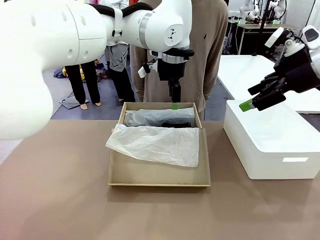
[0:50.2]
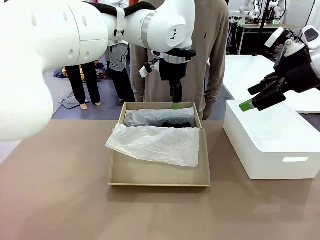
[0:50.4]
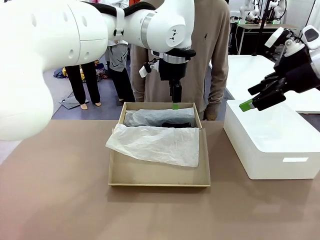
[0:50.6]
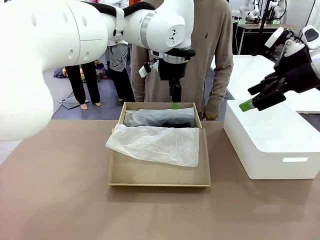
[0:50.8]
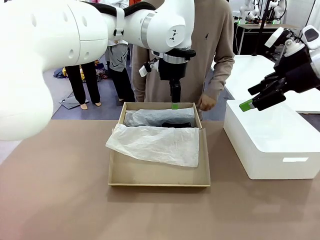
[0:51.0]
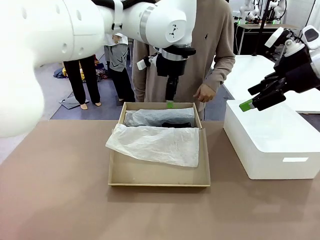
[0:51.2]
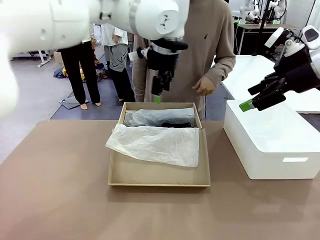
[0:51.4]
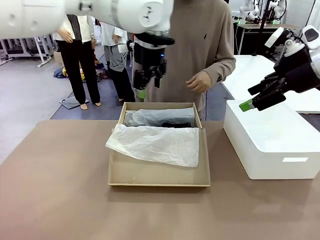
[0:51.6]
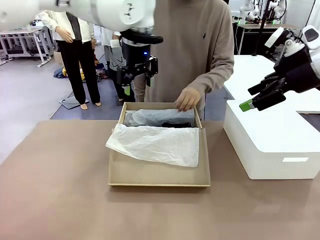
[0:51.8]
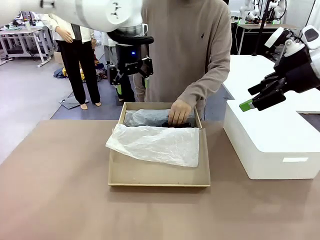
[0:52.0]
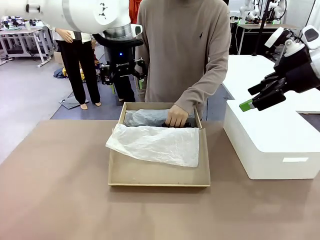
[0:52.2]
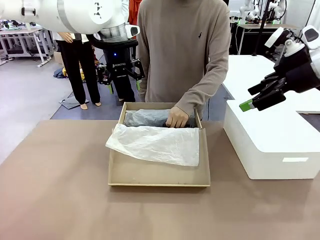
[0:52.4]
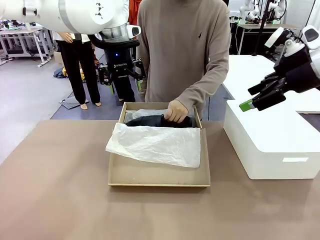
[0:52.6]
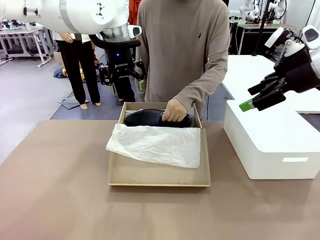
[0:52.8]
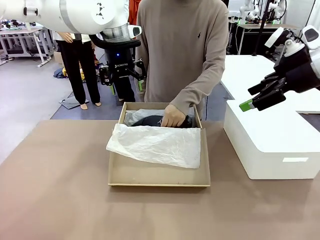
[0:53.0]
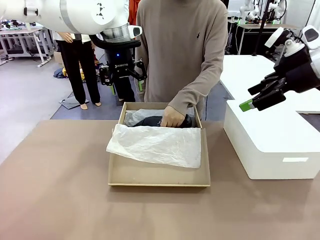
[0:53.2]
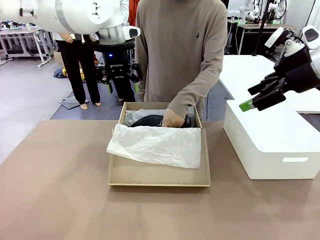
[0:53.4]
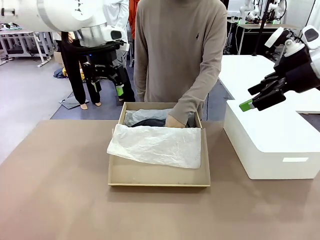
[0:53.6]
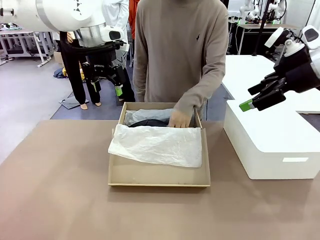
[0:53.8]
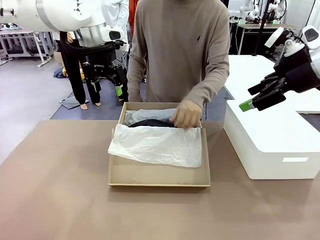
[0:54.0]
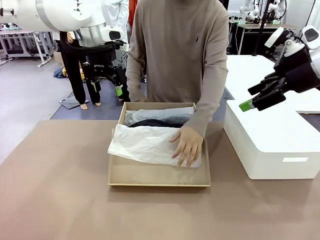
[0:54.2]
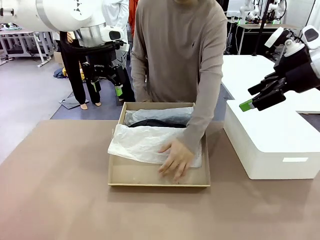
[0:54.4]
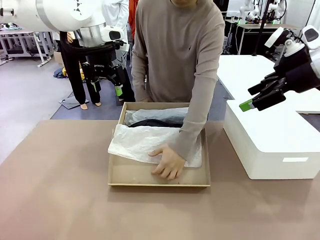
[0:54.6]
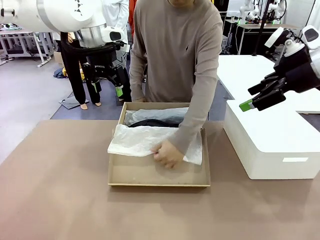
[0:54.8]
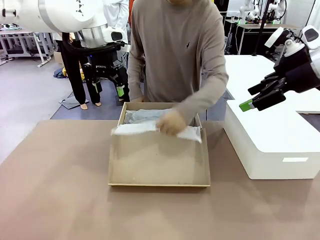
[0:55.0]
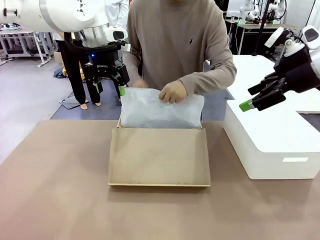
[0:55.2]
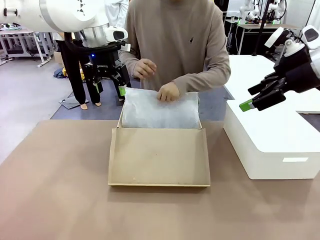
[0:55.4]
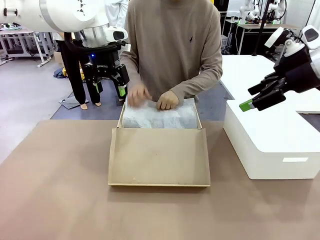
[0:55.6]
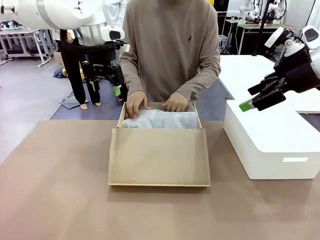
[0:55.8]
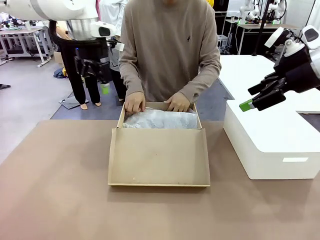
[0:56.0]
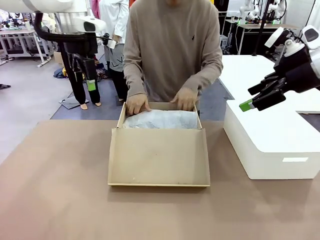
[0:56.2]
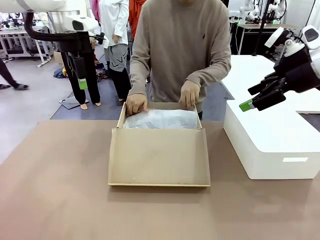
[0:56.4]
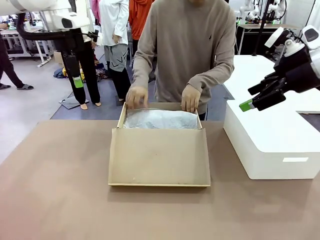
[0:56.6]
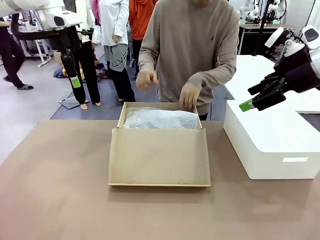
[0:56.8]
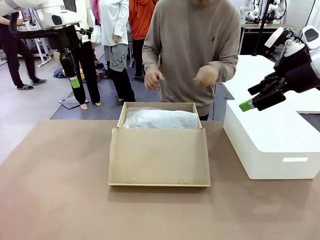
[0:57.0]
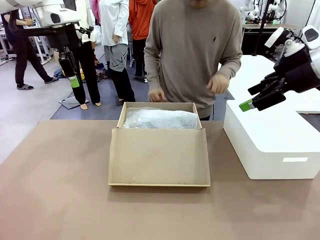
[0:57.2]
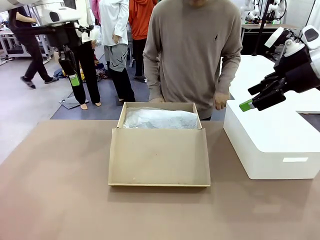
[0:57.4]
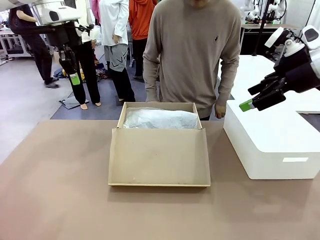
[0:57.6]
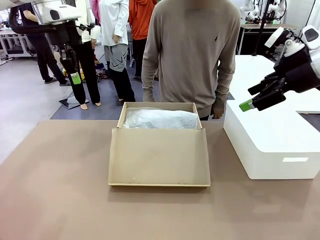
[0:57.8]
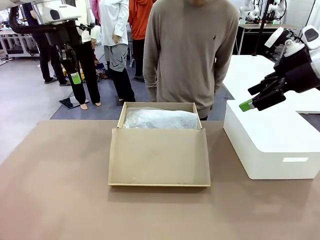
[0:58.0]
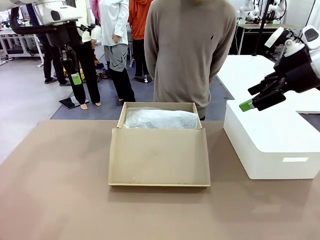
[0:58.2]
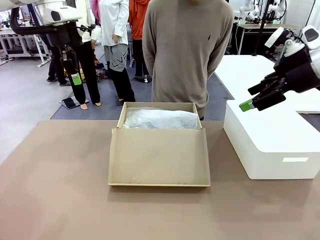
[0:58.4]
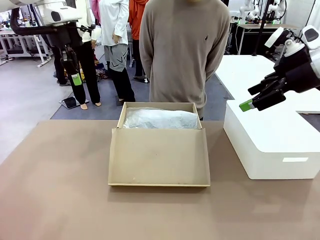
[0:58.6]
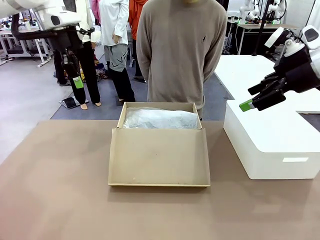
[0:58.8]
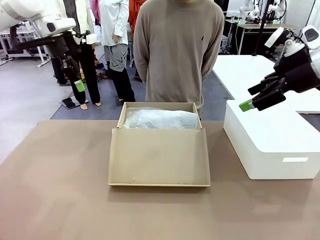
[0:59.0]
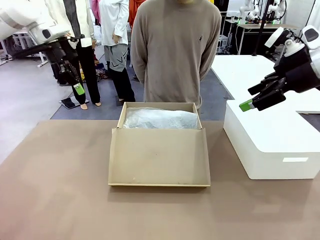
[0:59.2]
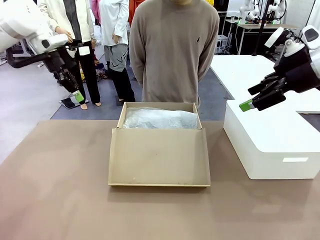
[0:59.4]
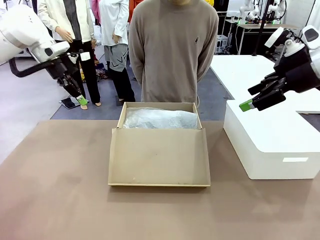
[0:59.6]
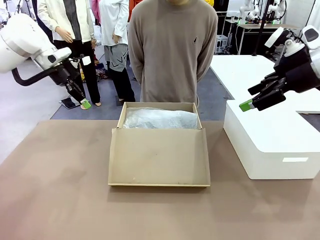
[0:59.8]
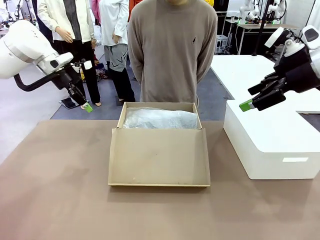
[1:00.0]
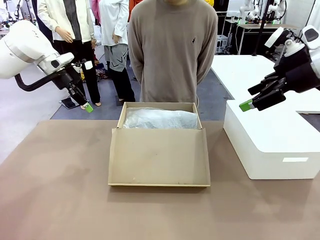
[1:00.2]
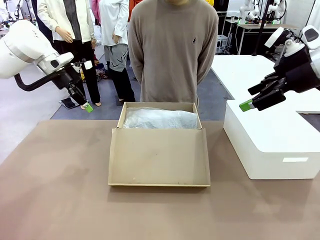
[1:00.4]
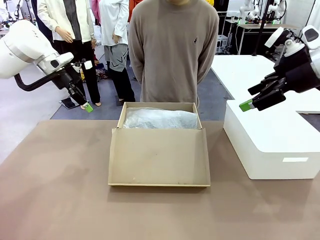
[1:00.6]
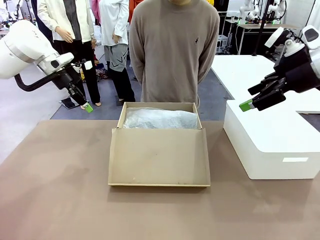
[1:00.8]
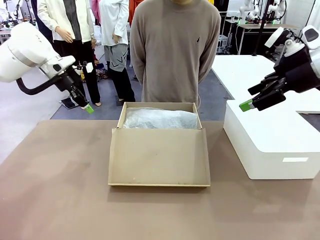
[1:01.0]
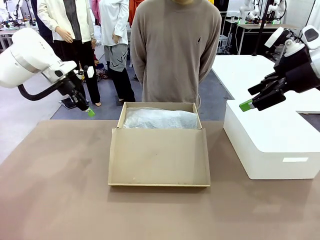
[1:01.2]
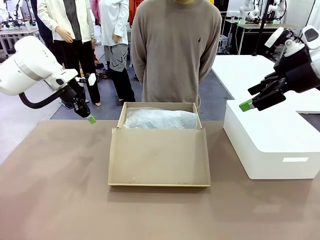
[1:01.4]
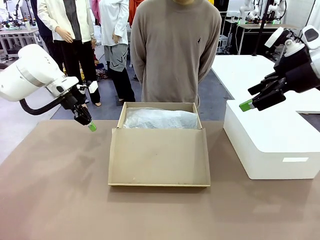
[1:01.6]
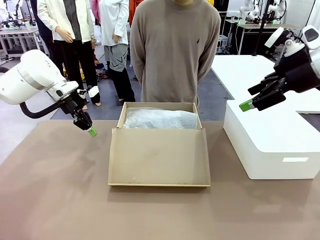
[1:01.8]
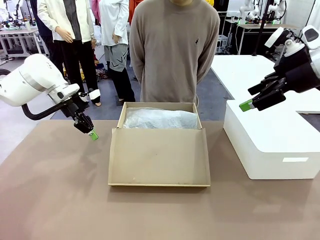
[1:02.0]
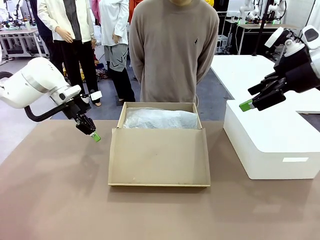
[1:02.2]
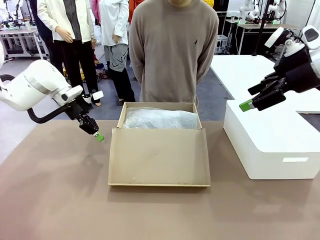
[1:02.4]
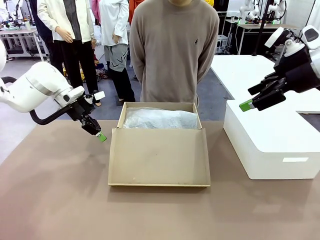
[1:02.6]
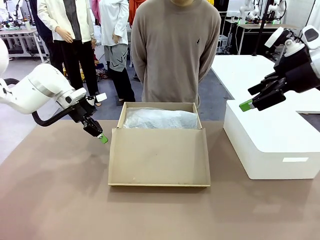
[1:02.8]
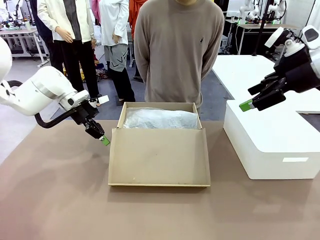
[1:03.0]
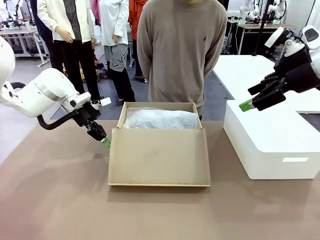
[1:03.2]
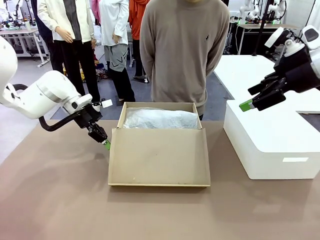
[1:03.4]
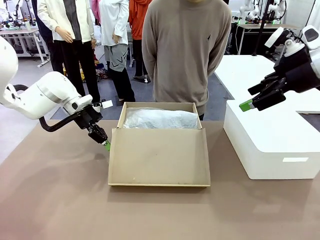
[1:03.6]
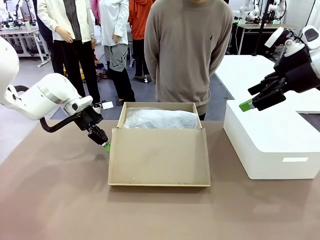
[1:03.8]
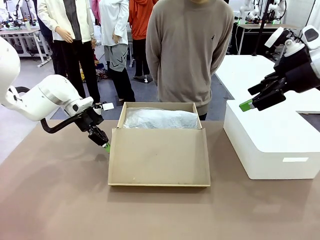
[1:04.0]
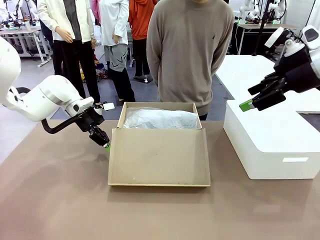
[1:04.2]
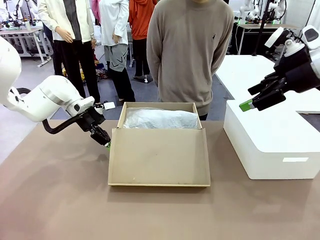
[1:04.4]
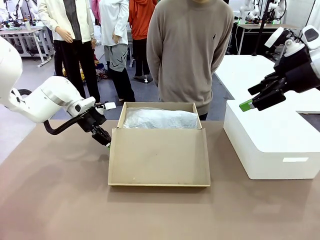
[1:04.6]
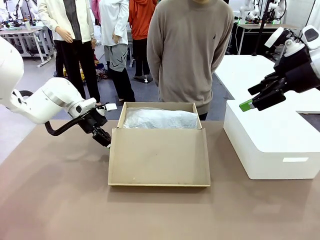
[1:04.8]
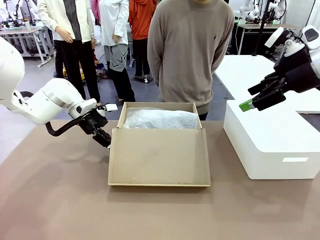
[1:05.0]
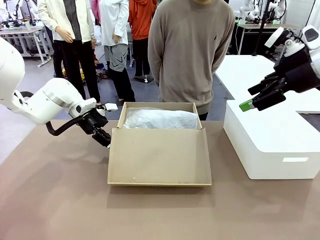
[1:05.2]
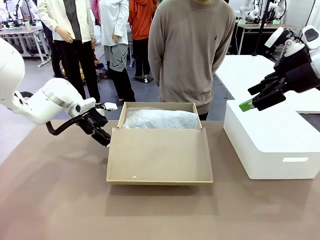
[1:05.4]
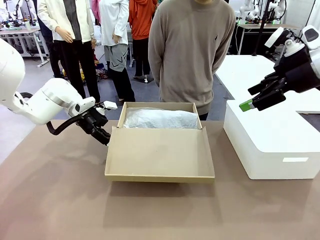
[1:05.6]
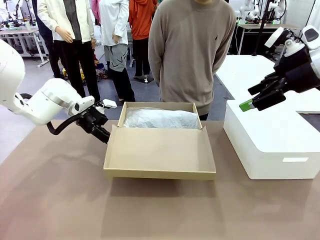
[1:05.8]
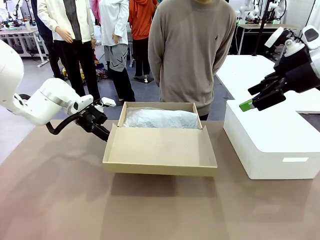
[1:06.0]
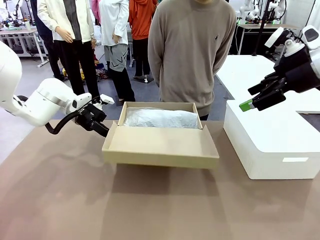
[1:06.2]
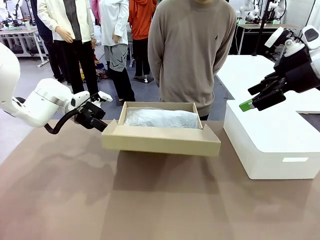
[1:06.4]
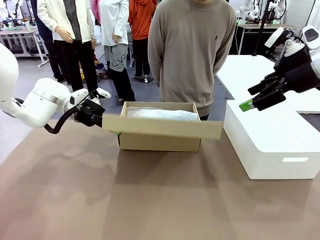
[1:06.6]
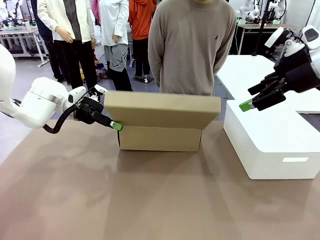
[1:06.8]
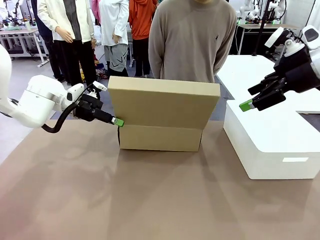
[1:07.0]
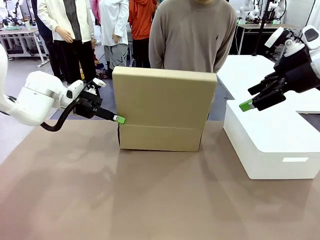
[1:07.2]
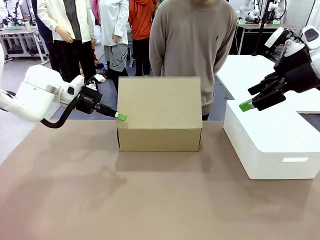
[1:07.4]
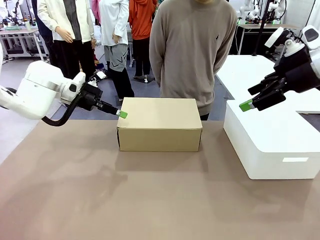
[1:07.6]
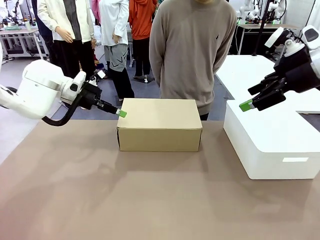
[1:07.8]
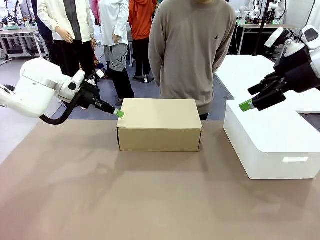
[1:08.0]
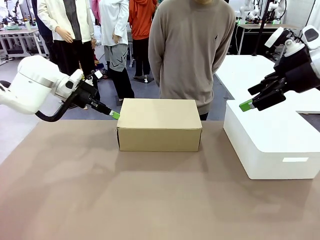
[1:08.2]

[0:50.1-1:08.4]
Task: Pack the shoes into the box.
Robot: Close the Shoes Box.

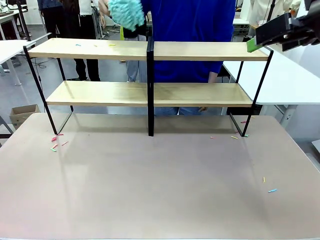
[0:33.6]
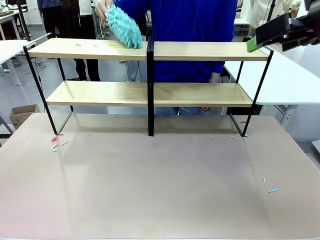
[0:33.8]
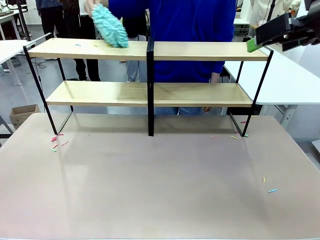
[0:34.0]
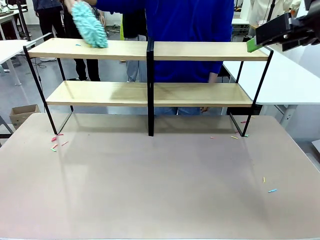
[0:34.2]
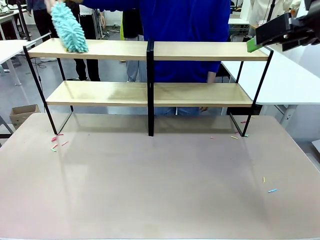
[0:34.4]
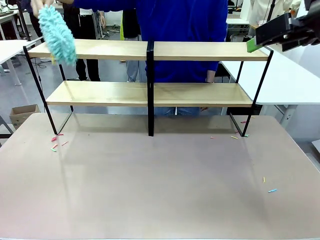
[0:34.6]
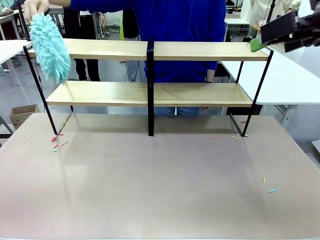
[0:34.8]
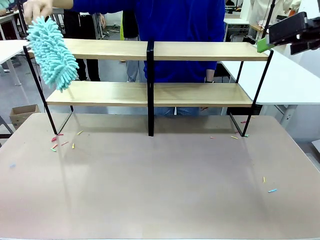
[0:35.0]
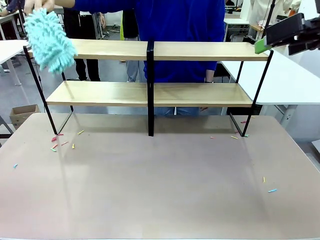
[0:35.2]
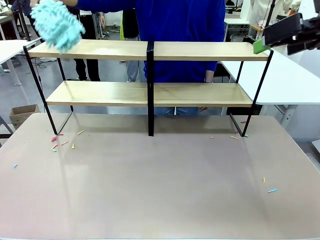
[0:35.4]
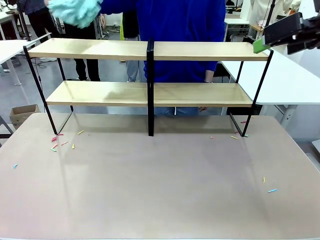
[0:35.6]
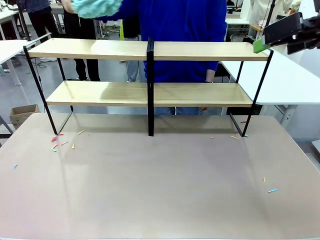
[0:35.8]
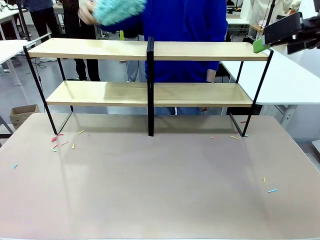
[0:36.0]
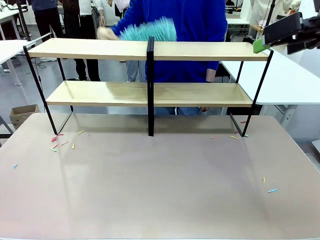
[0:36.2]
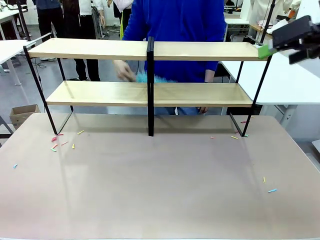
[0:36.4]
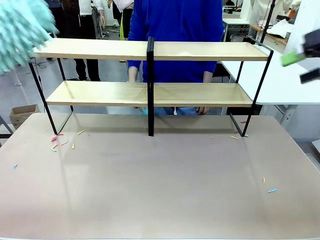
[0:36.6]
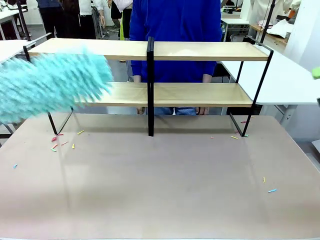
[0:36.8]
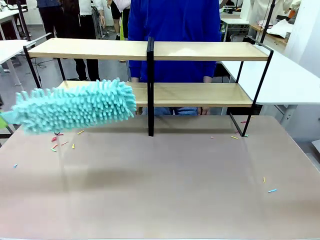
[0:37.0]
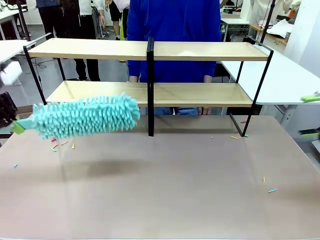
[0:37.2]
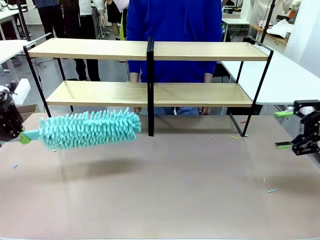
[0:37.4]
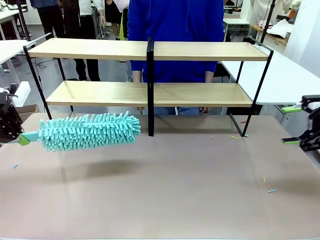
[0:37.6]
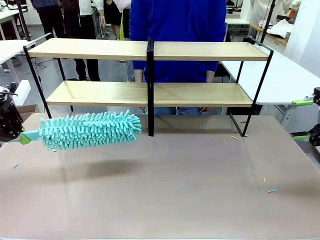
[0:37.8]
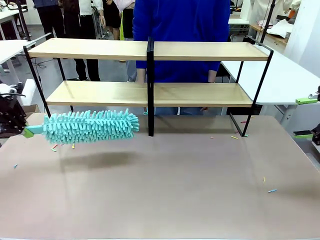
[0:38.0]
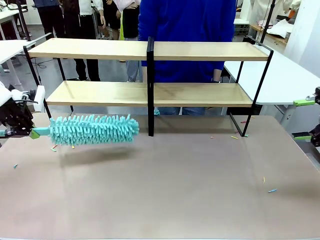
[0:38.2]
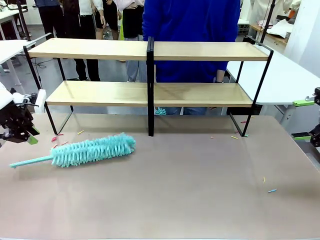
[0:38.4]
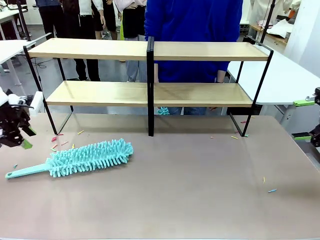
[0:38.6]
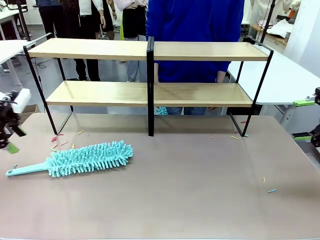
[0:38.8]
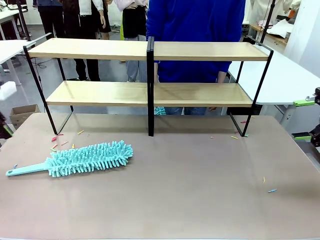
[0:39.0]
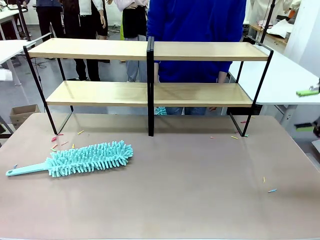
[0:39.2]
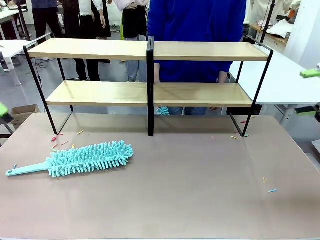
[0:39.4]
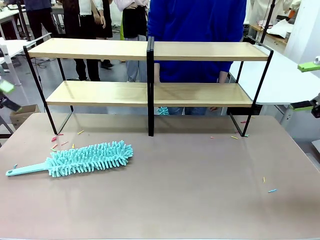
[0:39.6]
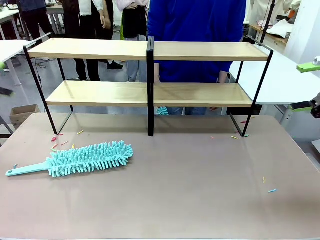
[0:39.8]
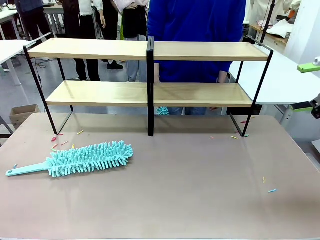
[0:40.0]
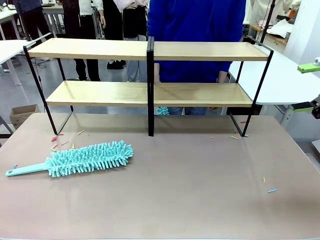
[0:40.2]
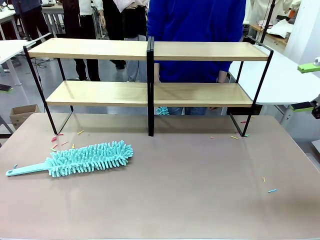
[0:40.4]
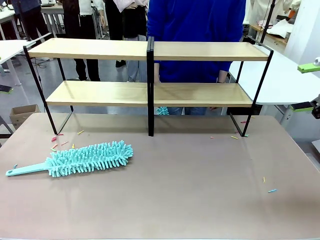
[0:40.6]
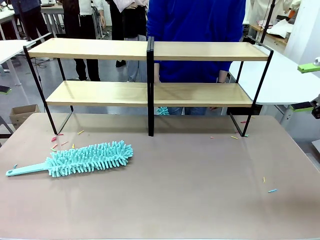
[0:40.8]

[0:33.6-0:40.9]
Task: Clean the shelves.
Robot: Place the Duster on the table.
